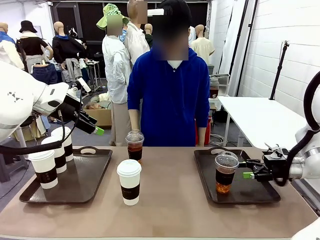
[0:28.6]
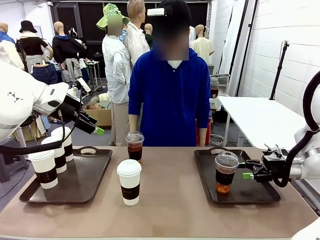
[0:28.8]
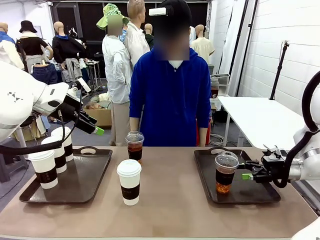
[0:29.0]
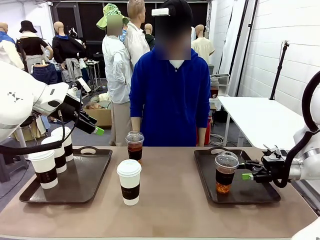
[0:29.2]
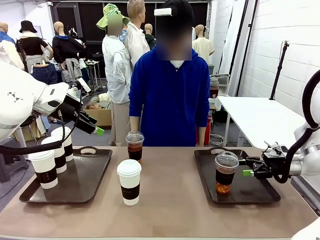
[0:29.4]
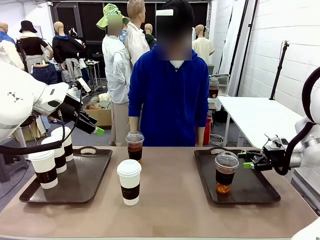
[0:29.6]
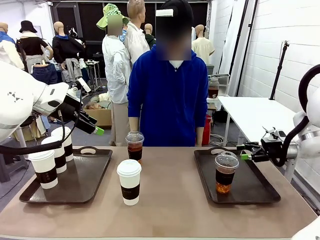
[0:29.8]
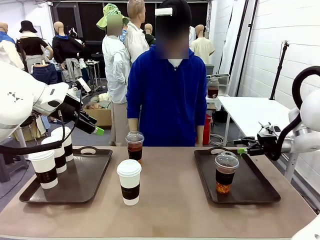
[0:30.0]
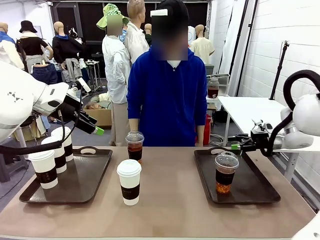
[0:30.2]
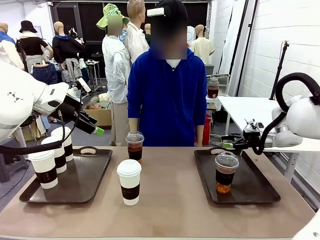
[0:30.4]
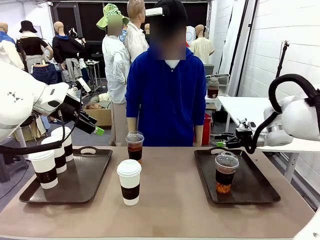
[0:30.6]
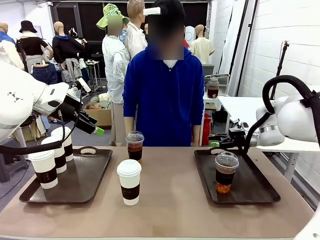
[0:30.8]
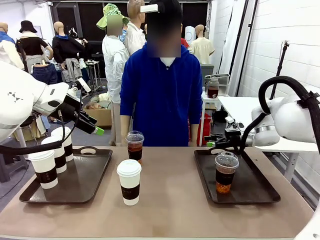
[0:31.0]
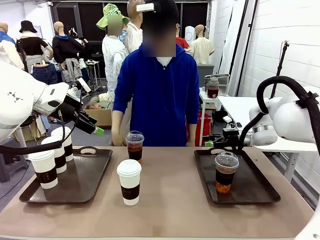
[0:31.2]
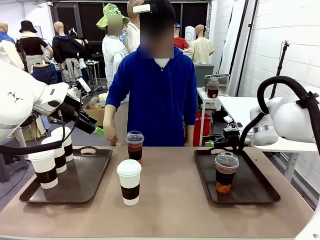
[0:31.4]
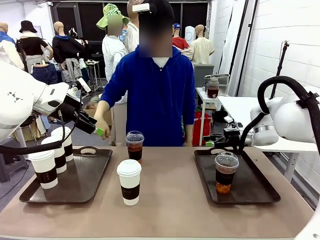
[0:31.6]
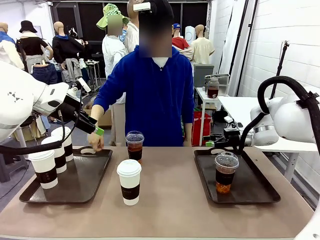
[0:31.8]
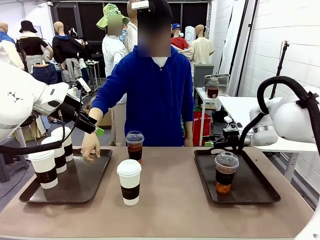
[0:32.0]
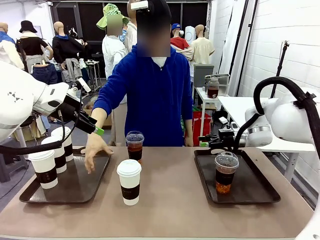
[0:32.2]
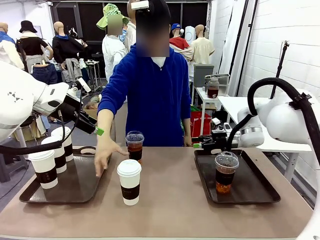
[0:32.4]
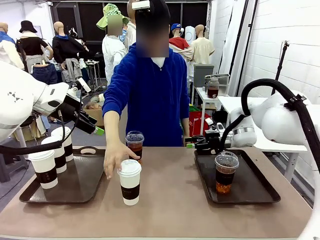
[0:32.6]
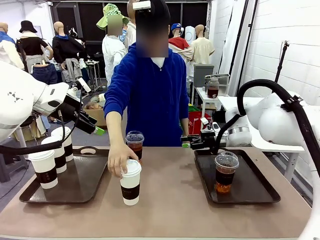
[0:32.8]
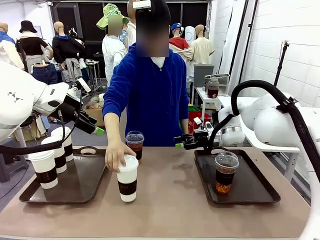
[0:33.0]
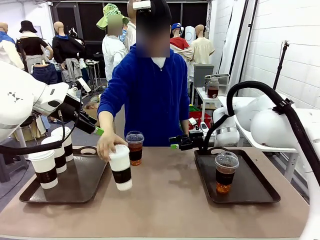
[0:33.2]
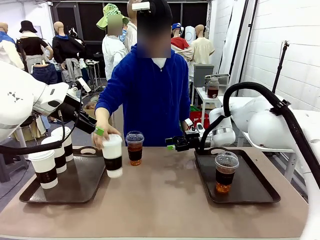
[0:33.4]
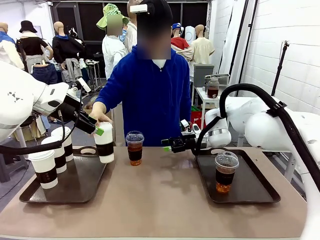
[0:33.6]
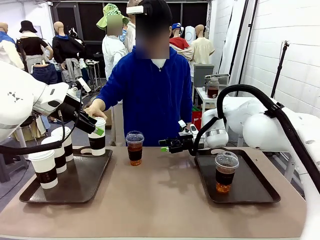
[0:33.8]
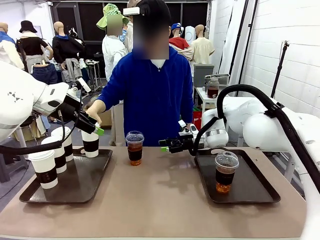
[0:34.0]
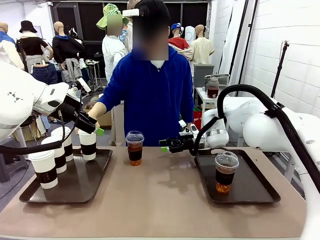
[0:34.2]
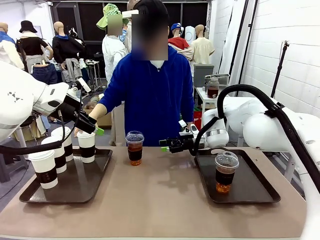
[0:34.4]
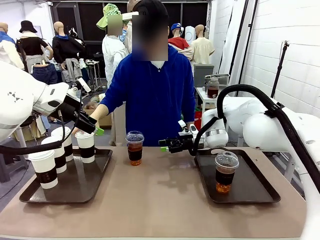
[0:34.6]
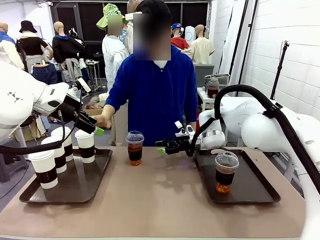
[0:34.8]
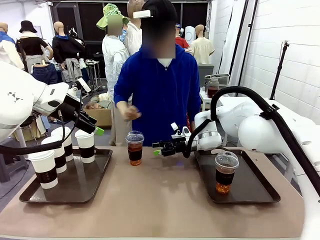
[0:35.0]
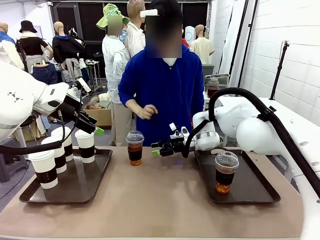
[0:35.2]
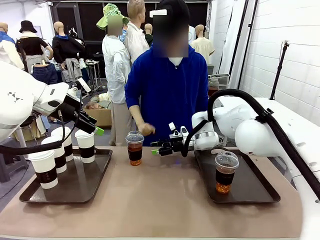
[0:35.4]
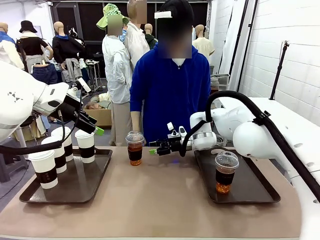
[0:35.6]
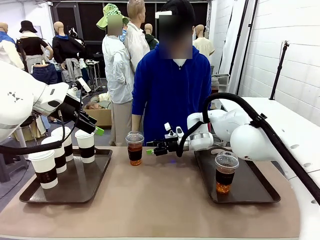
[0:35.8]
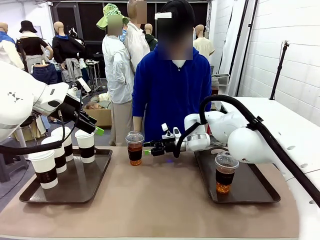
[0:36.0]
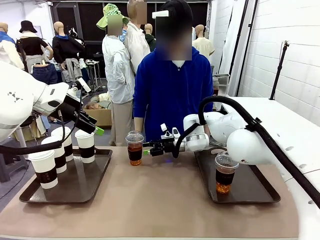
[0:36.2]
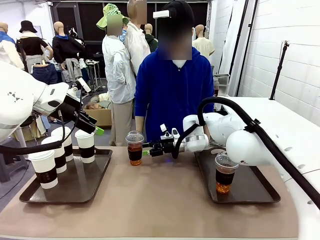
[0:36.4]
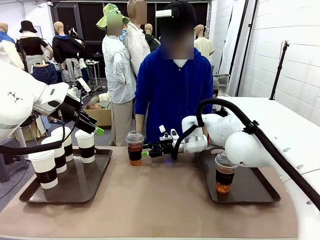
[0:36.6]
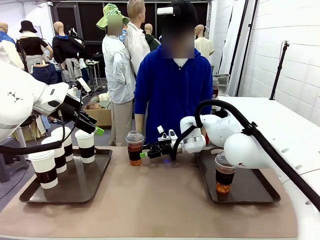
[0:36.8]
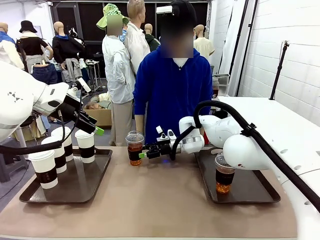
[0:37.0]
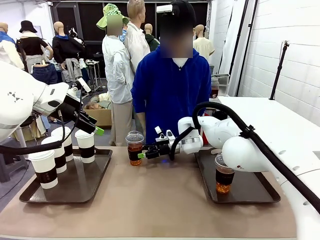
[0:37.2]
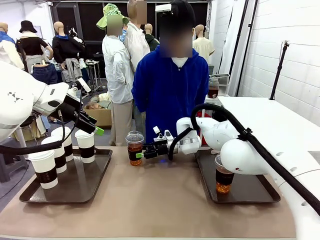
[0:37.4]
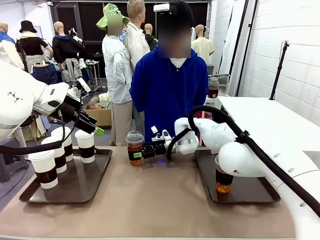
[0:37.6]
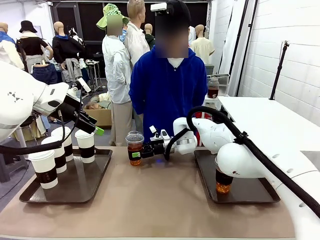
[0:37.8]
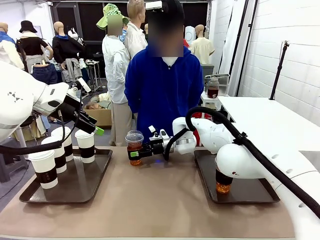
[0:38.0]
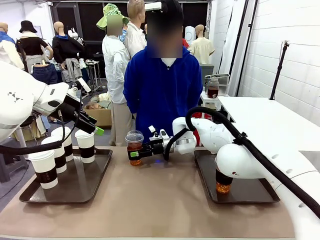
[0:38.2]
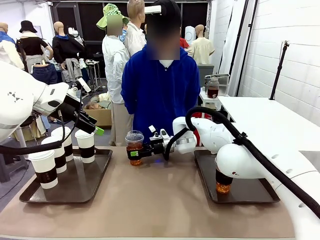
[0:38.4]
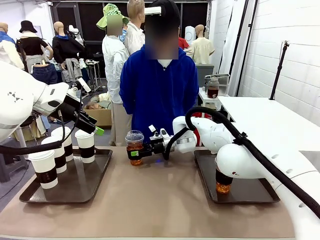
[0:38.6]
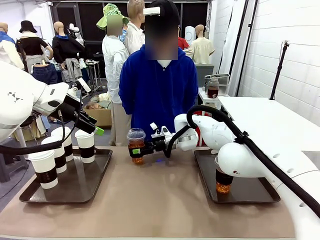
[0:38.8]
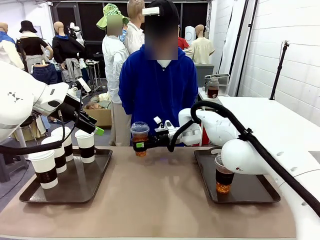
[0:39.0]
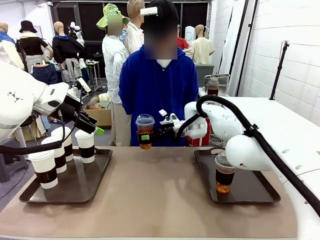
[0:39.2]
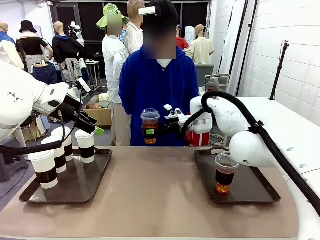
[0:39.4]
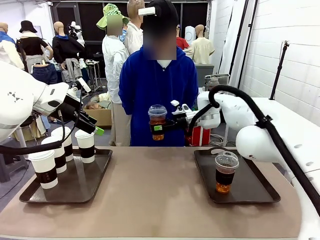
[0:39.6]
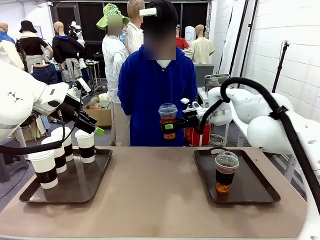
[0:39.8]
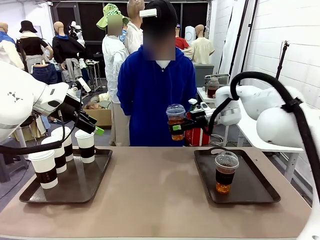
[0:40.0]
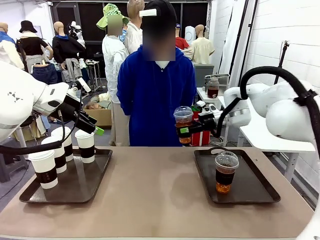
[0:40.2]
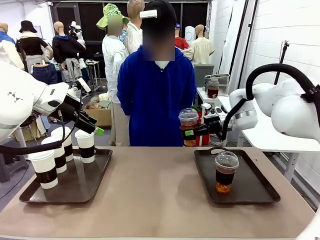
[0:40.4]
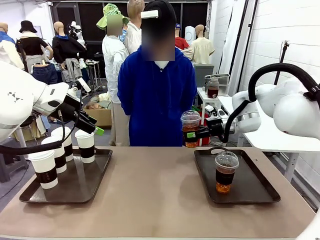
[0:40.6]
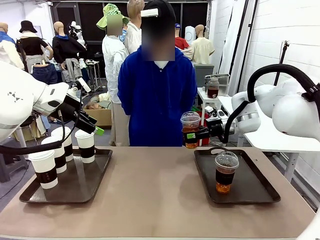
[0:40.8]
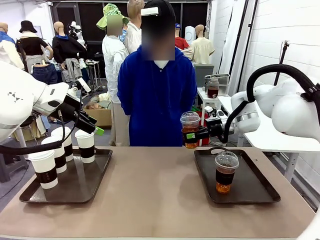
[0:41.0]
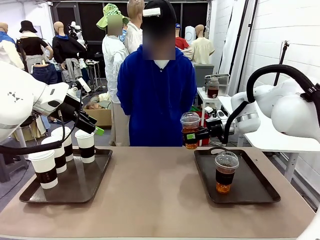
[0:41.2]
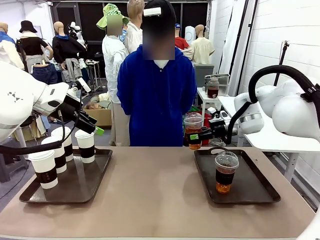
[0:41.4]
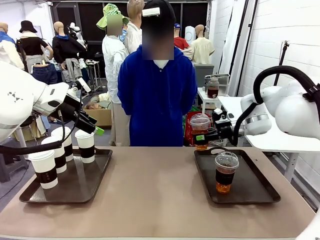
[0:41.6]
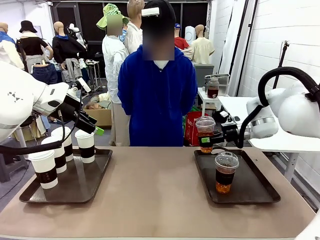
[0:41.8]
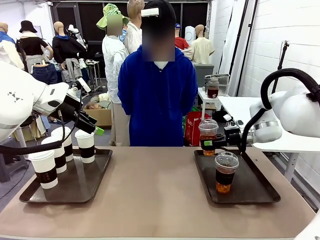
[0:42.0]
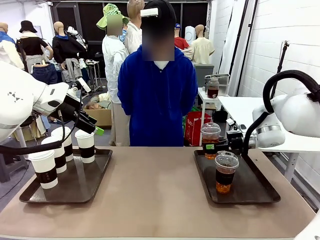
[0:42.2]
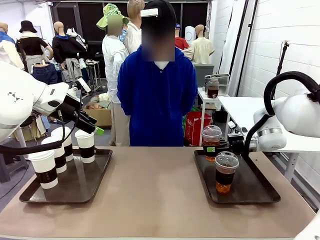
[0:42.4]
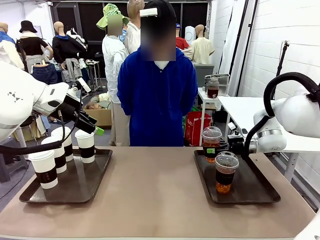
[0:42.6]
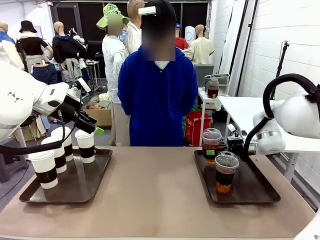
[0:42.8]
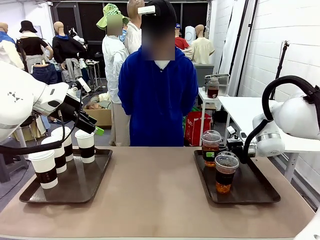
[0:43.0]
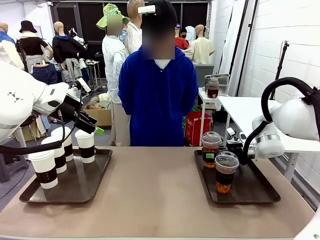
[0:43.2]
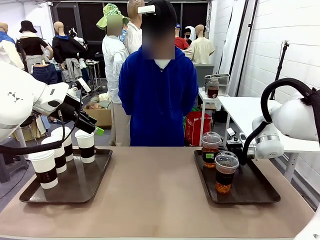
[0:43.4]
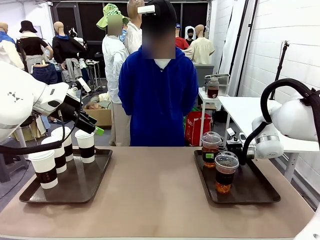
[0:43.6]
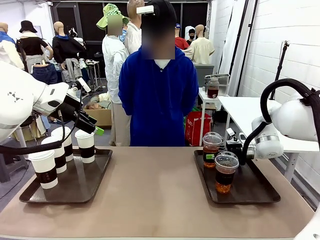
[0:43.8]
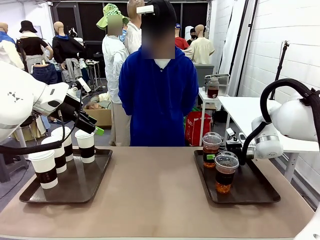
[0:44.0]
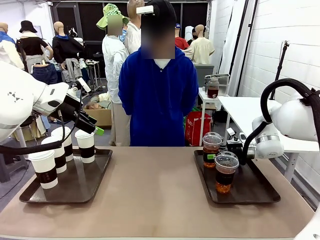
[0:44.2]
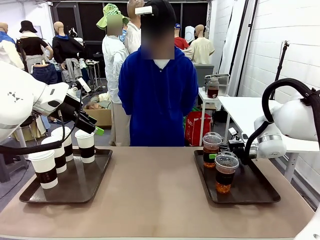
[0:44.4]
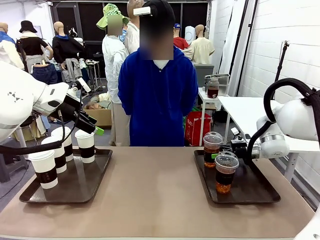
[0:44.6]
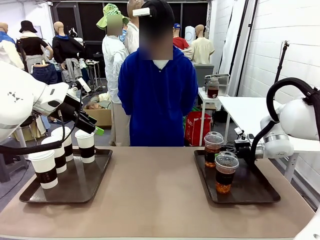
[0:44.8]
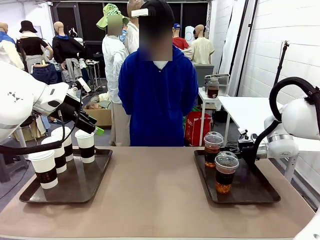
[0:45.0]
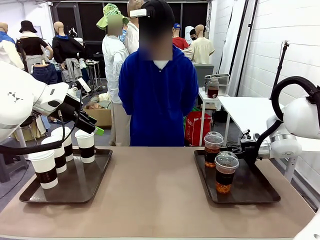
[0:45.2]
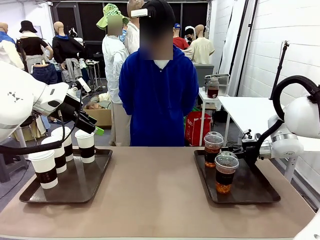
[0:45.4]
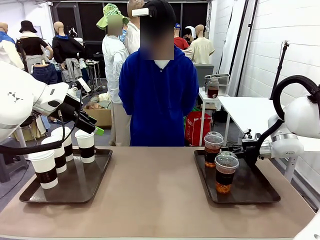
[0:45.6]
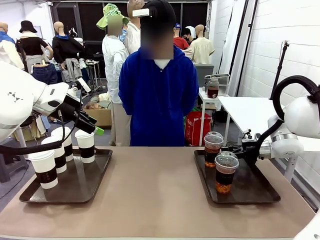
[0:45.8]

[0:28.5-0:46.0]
Task: Distribute the coffee onto the tray.
Robot: Pick up another iced Americano from the middle of the table and place it on the right Handle tray.
Person: Pick up a cup of hot Americano from the middle of the table and place it on the right tray.
